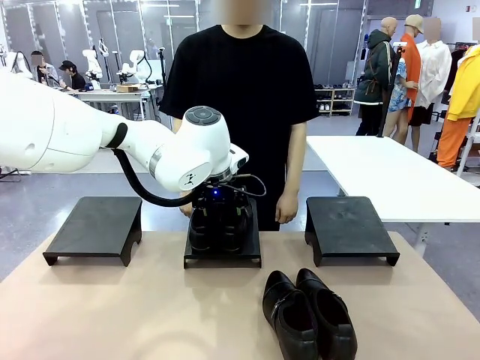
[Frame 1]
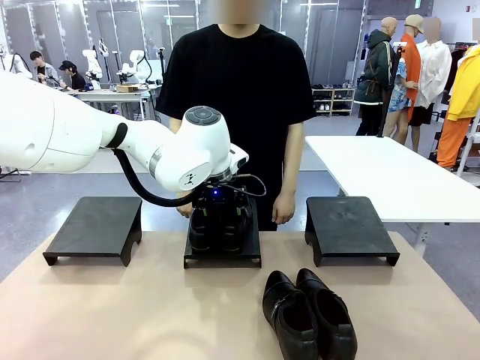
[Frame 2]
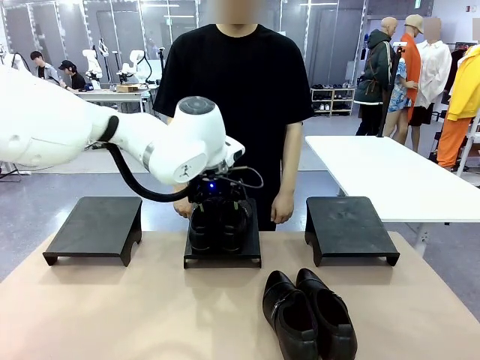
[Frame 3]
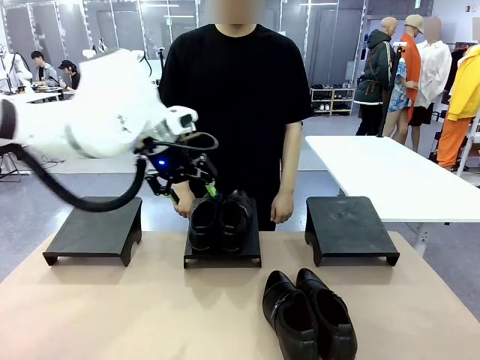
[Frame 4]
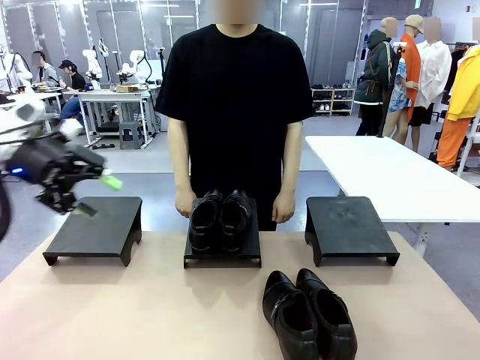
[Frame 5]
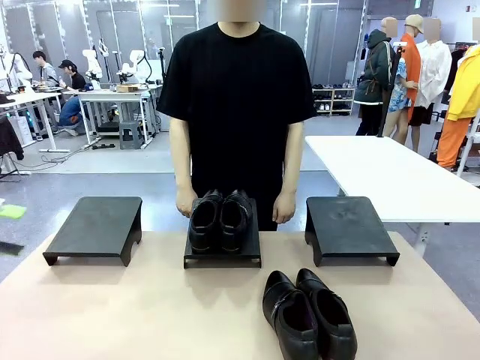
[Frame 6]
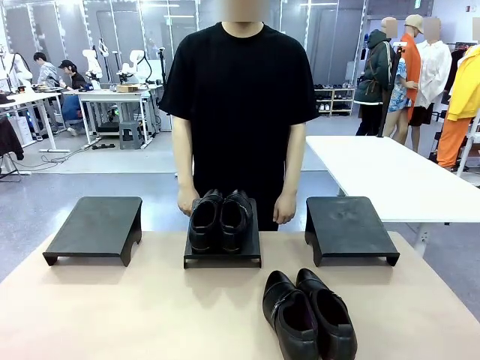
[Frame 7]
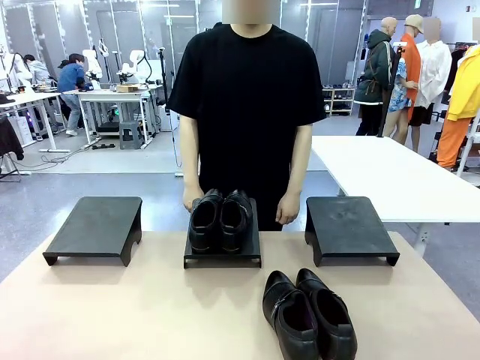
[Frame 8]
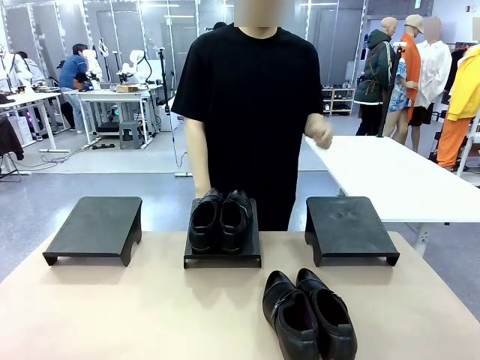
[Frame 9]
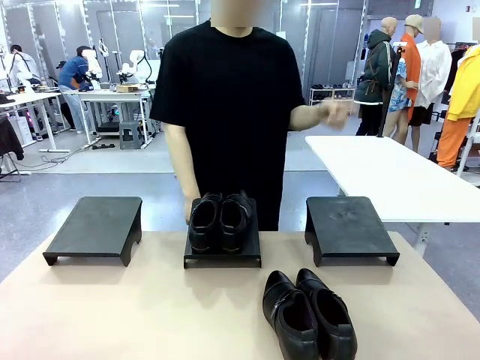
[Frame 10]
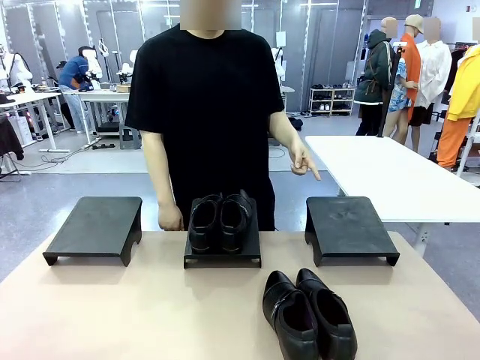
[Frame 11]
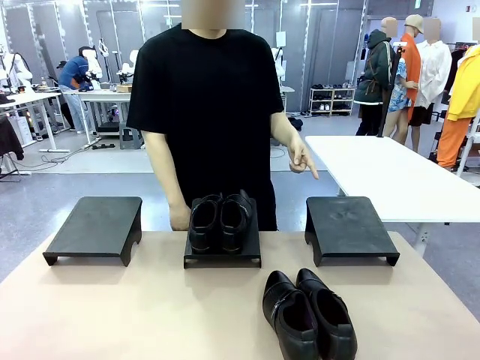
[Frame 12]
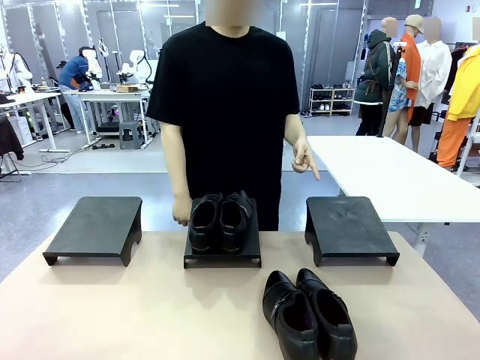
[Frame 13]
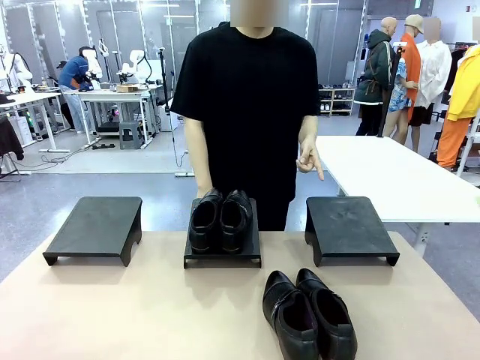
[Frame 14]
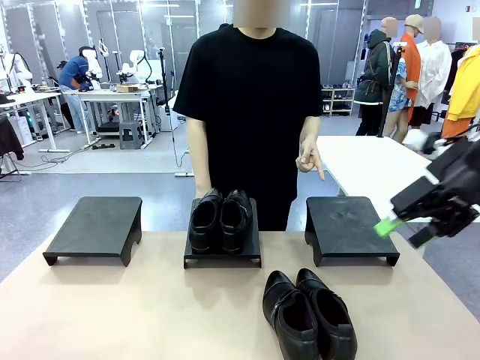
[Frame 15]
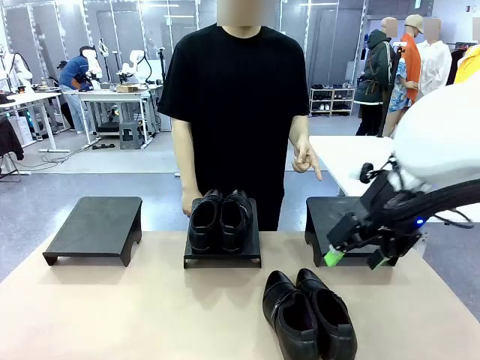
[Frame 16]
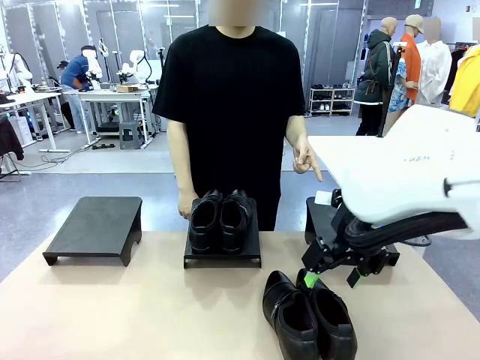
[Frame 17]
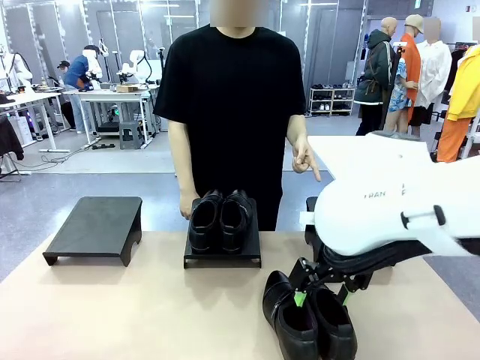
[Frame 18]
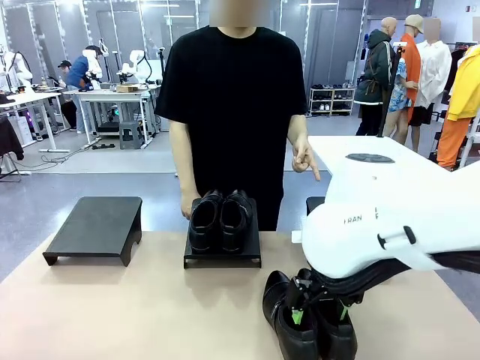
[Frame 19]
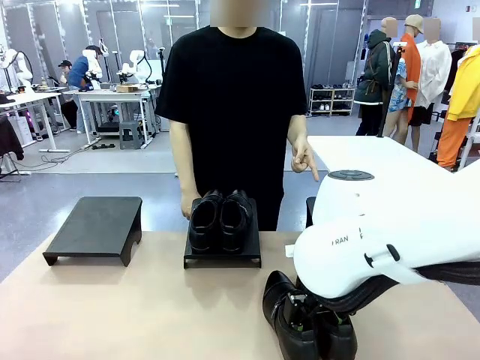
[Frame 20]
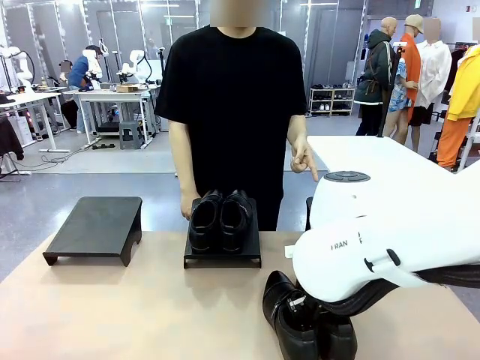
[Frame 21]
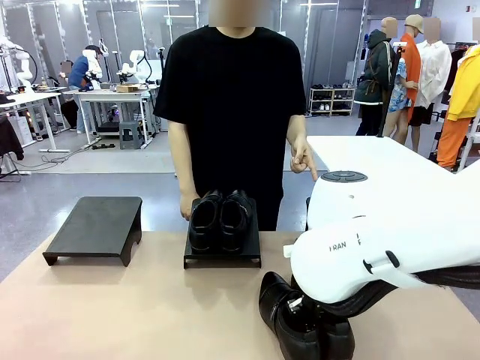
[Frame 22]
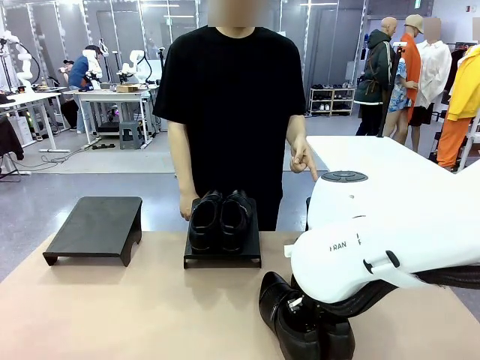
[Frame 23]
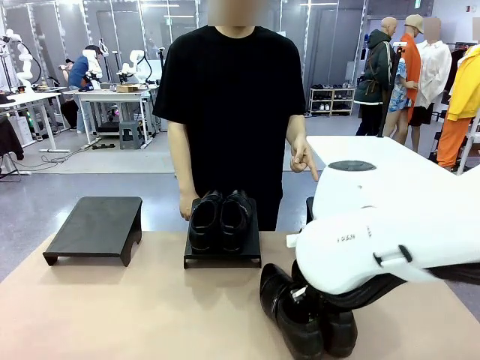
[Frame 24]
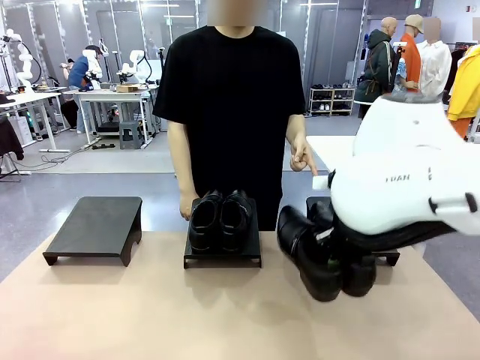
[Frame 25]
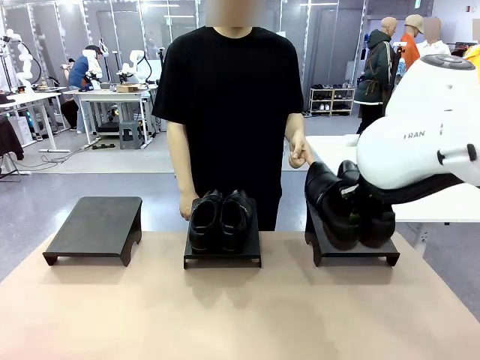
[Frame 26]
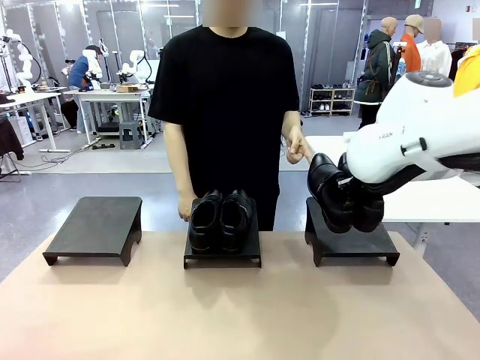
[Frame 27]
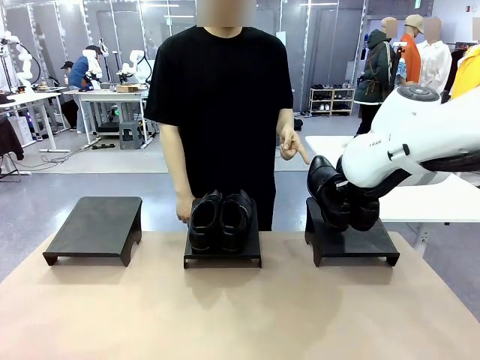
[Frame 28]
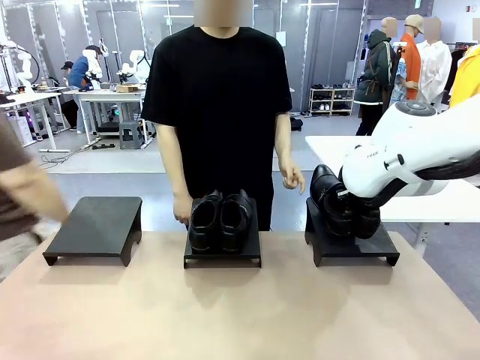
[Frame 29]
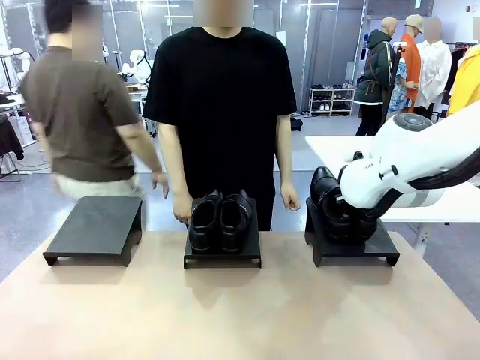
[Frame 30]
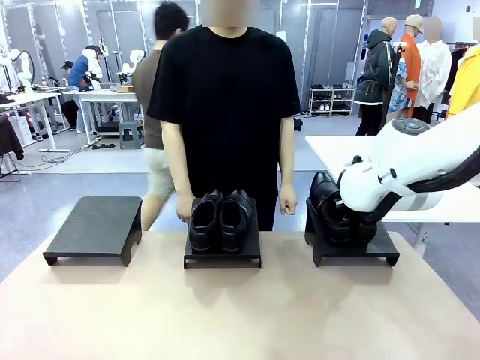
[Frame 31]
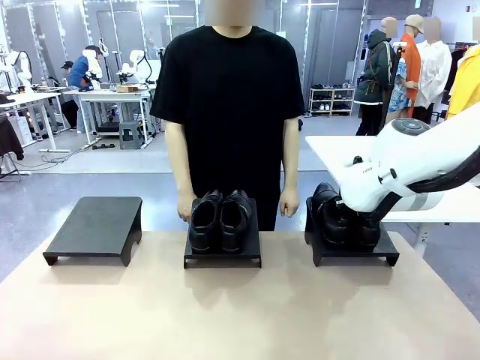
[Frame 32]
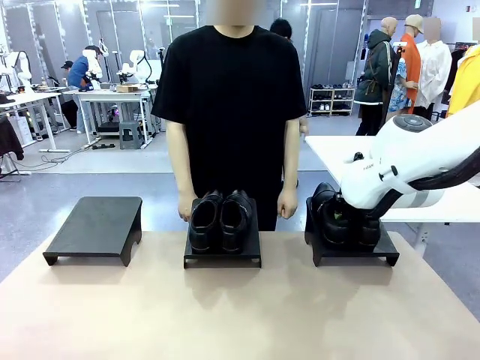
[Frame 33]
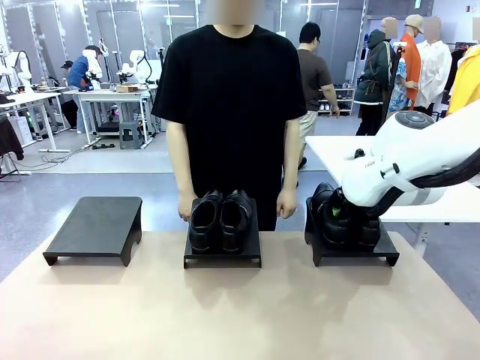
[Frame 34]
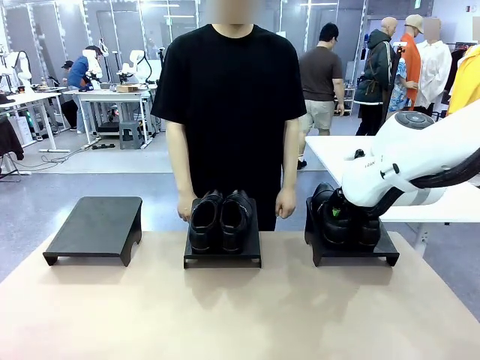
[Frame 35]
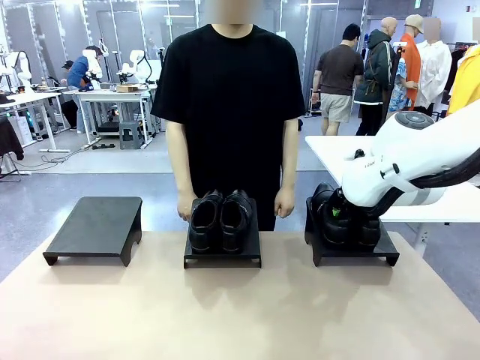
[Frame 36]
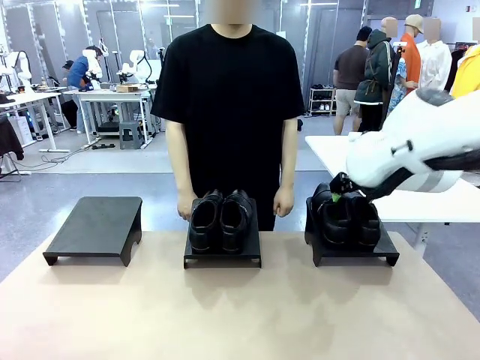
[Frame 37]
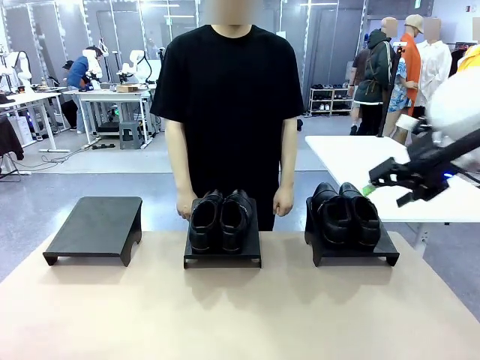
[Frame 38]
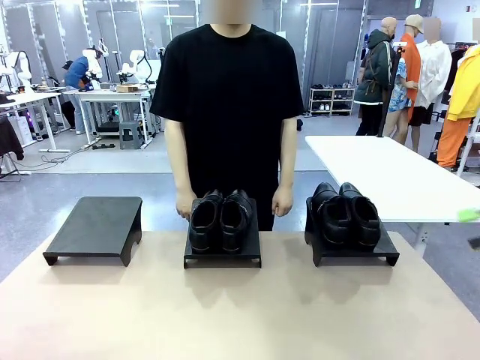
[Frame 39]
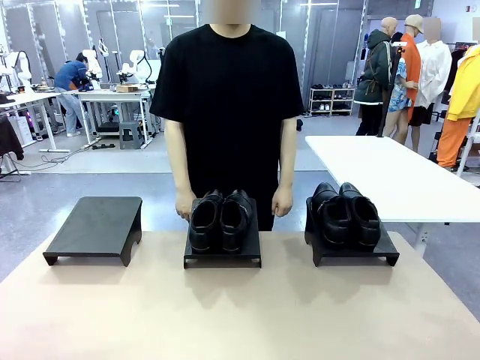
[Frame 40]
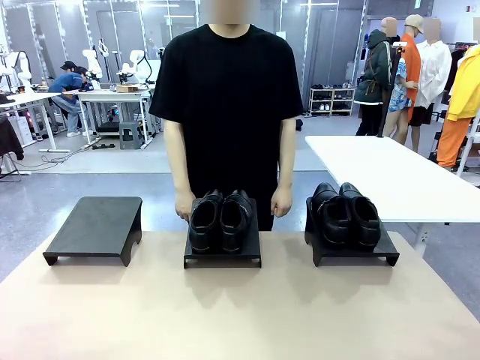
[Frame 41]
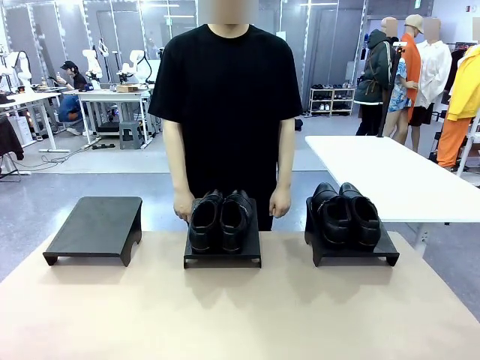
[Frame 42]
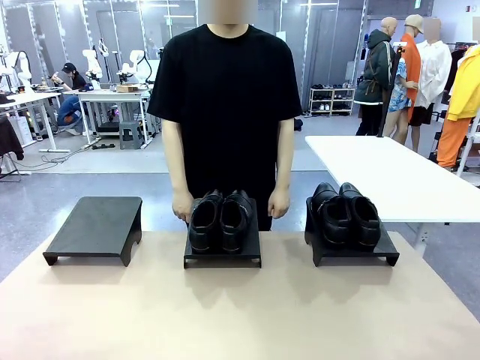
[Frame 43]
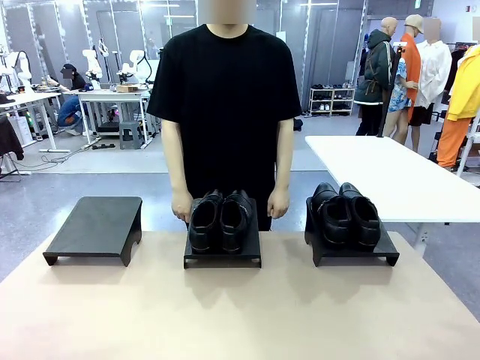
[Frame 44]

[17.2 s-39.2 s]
Task: Place the shoes on the stand as instructed by the person.
Robot: Pick up another pair of Shoes and place it on the Shoes Stand indicated by the person.
Person: Point to one Shoes Stand.
